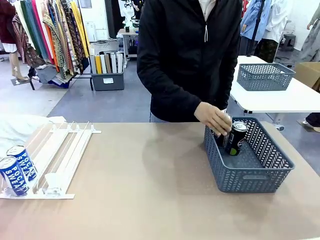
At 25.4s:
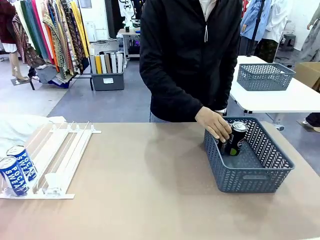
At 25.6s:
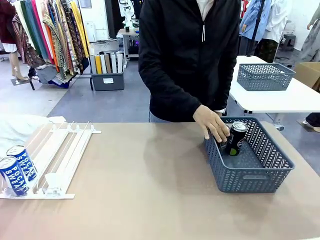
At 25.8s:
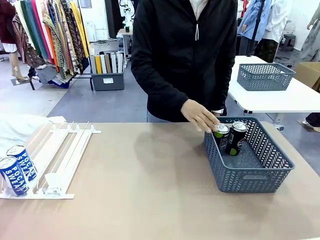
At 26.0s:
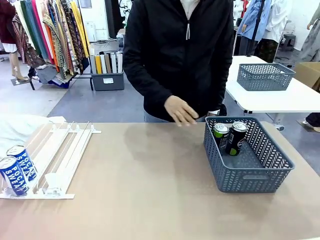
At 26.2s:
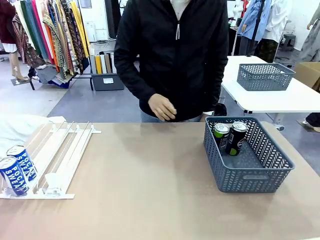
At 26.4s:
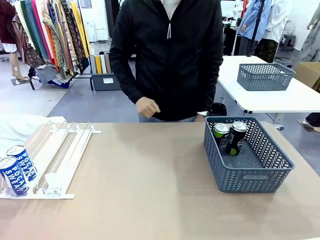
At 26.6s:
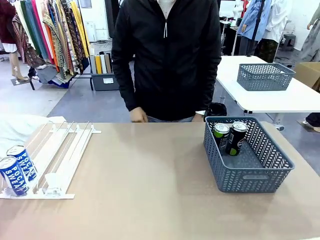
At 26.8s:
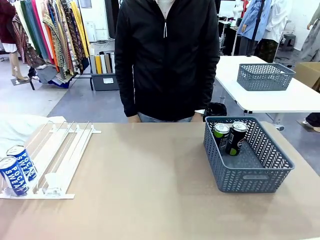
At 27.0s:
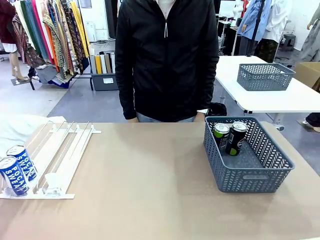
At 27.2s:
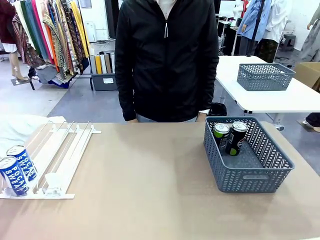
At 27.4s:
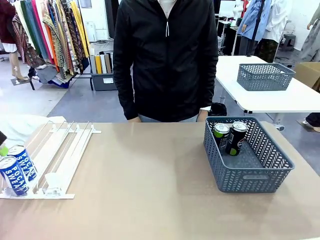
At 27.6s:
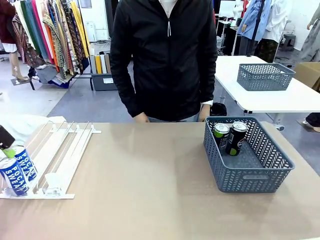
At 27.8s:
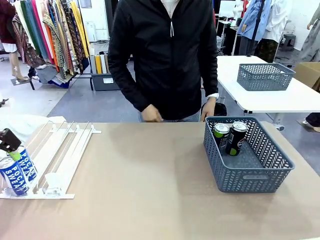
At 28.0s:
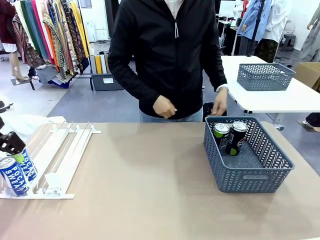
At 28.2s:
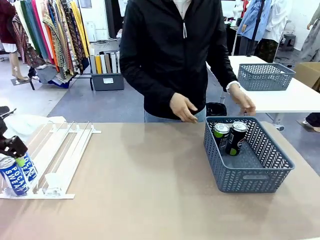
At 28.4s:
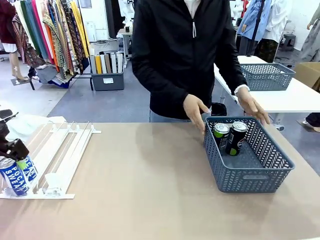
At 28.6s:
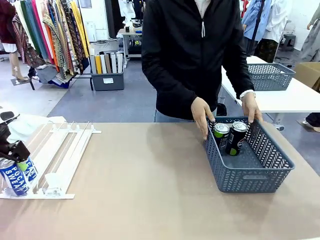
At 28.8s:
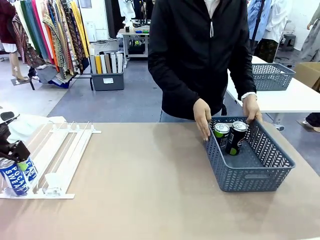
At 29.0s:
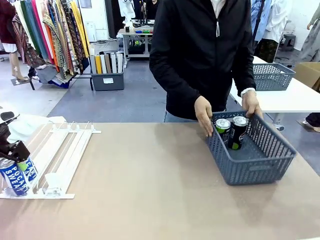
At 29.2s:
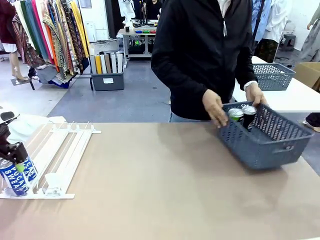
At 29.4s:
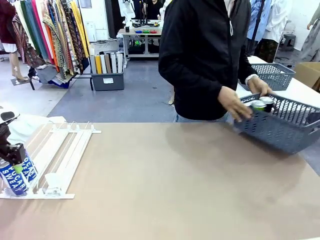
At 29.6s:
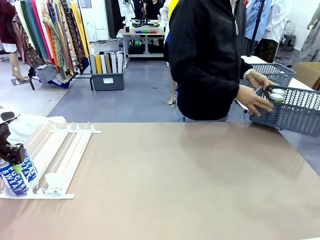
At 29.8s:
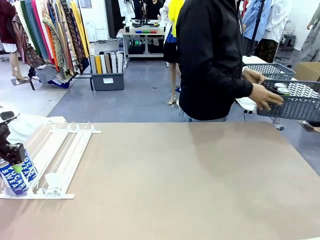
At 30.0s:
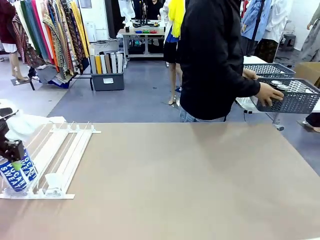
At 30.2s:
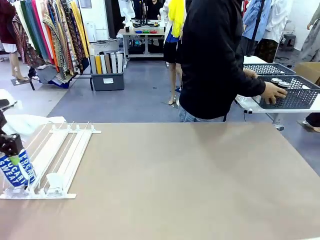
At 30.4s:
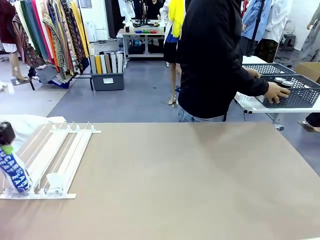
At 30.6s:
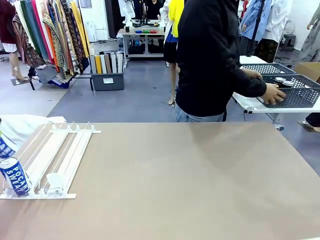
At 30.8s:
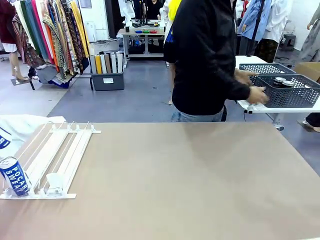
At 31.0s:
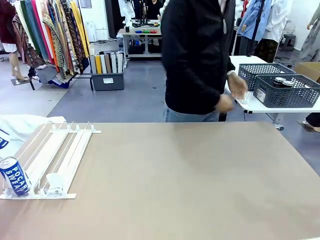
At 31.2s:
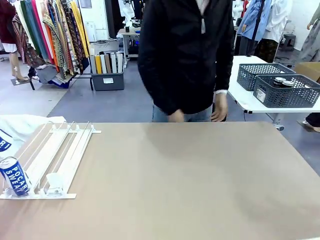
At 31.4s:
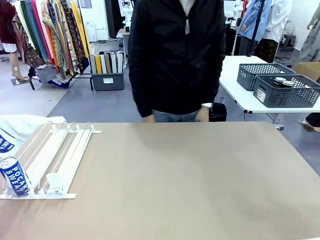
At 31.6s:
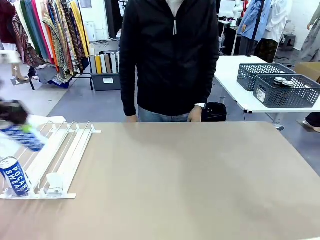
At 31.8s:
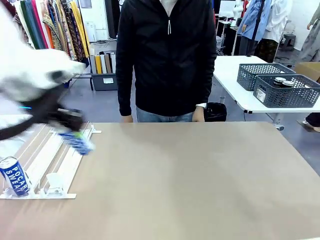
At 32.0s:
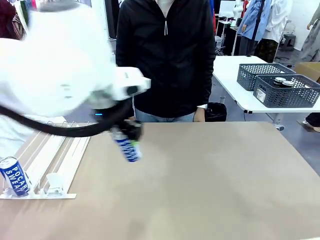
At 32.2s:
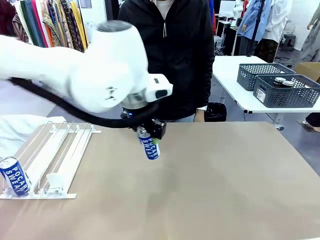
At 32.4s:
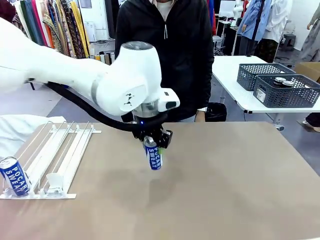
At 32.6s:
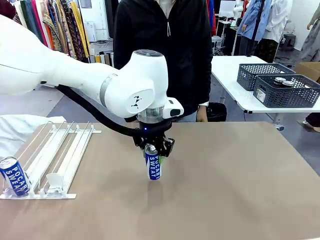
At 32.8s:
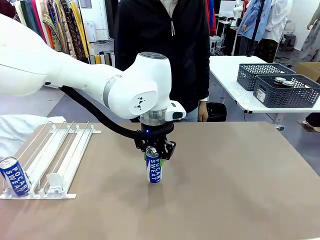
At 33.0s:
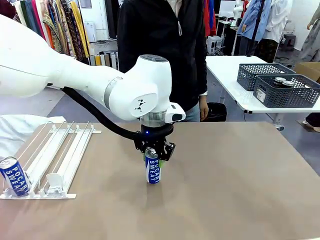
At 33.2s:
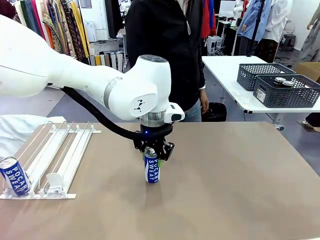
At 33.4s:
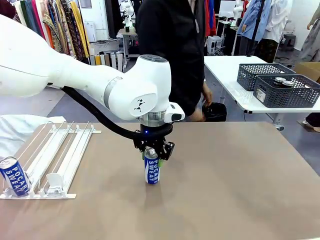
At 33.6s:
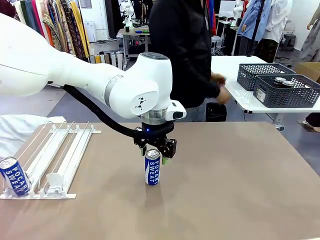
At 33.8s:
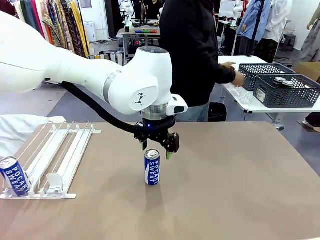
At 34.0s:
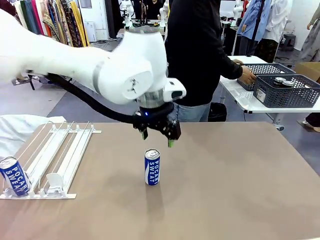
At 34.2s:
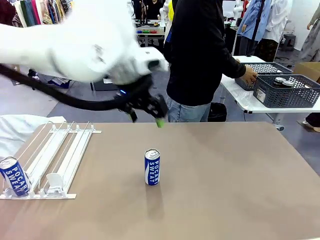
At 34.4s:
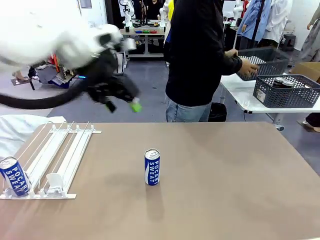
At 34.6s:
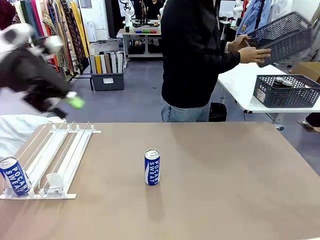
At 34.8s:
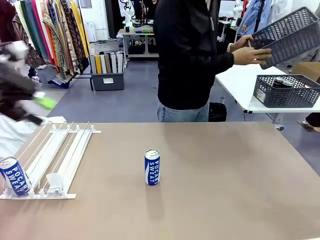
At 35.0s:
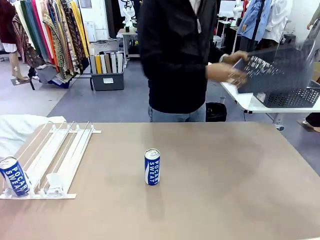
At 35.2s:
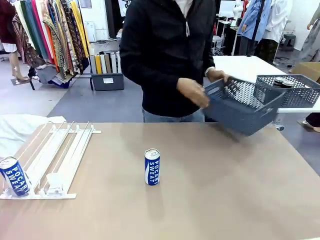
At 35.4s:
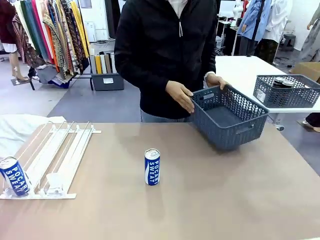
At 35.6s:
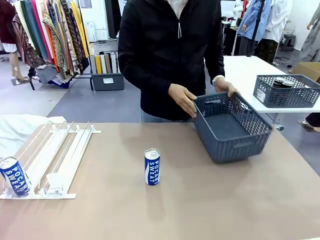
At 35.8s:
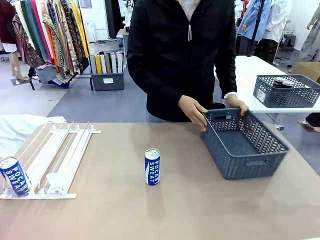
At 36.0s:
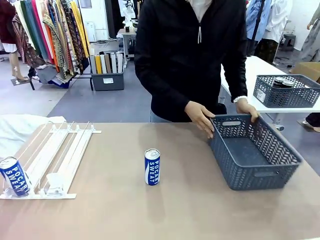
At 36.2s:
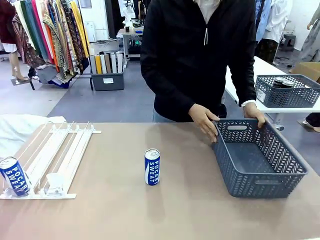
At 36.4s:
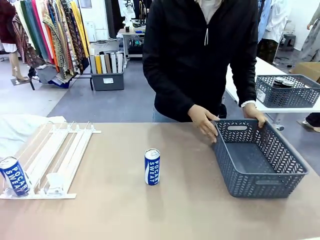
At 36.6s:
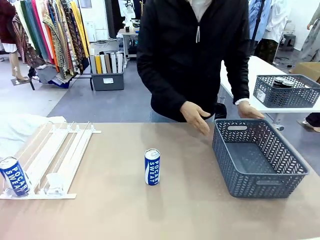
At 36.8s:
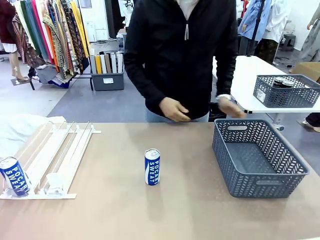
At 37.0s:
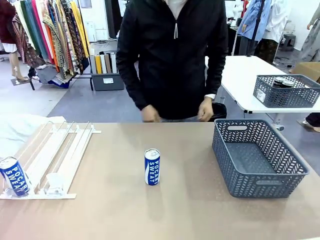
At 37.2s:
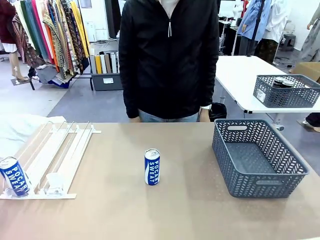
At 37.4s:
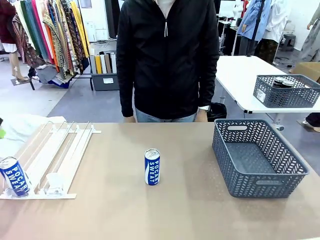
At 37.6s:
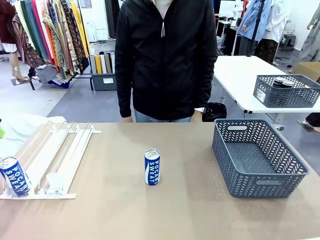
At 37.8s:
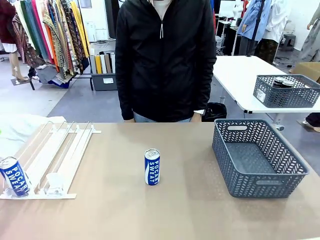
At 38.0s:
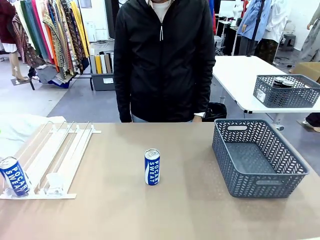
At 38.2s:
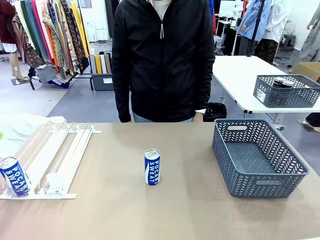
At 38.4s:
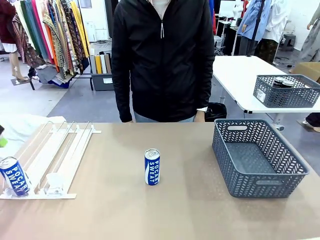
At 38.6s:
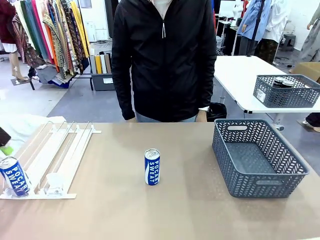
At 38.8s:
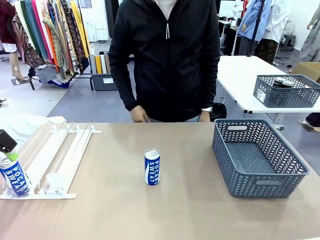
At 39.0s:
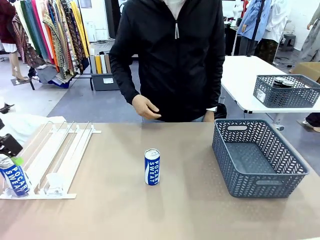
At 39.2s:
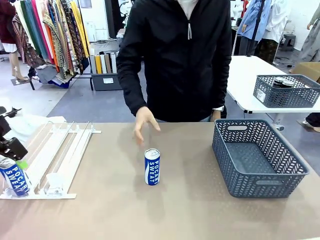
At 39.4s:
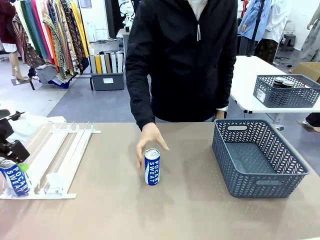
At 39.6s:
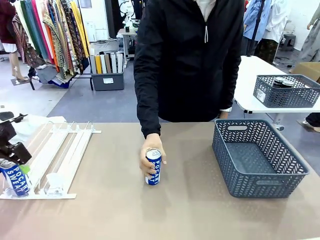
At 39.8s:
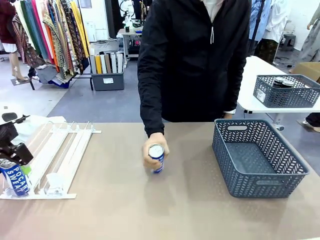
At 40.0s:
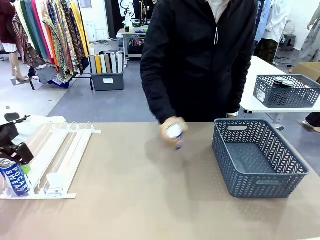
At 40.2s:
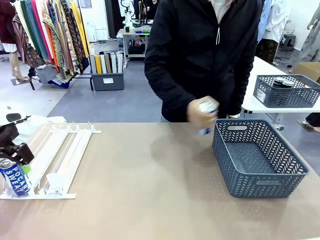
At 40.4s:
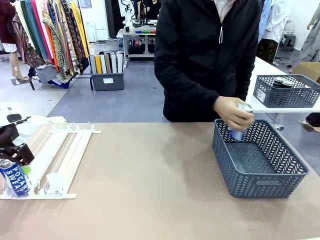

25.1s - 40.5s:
Task: Retrieve and store the cans from the dispenser.
Robot: Pick up one can from the Automatic Can Dispenser and place it in the middle of the table.
Person: Pick up the basket and place it in the middle of the human table. Pick up the empty basket and place it on the left side of the robot table.
